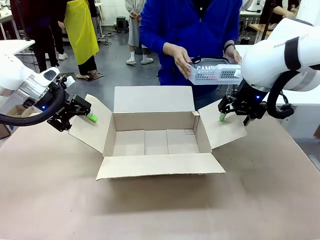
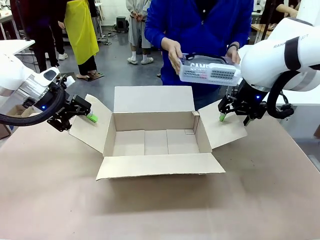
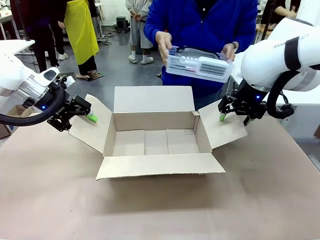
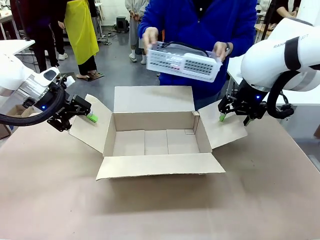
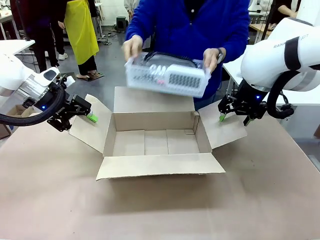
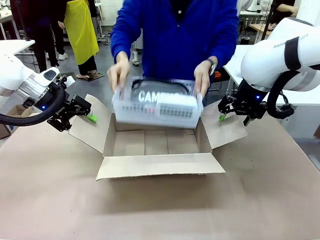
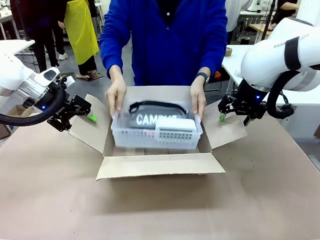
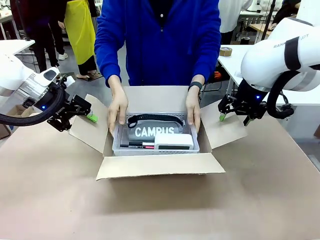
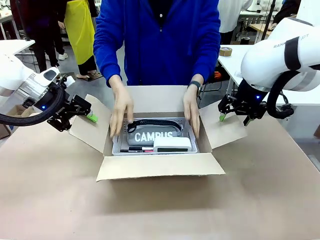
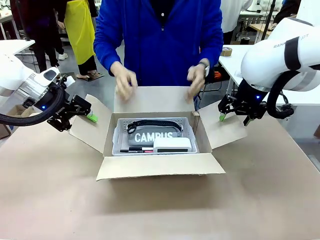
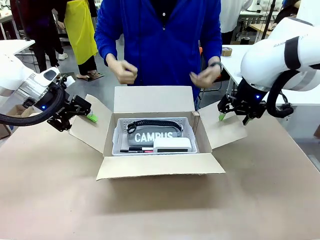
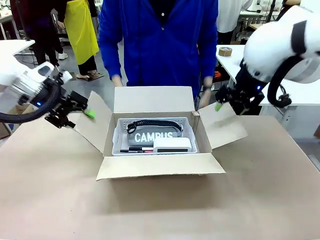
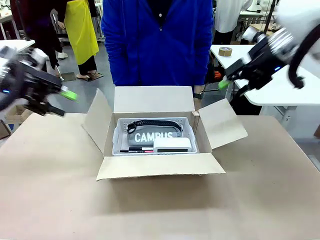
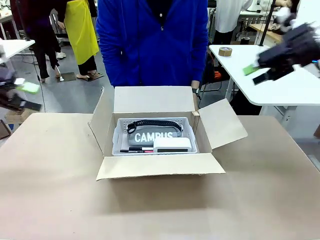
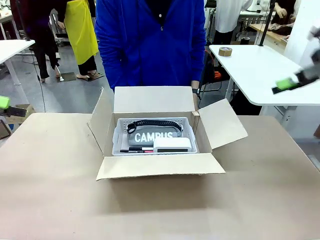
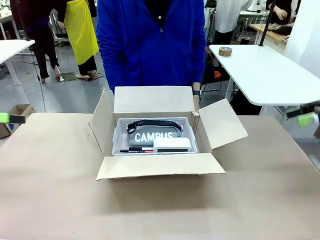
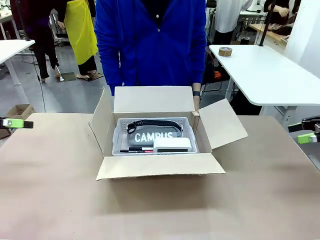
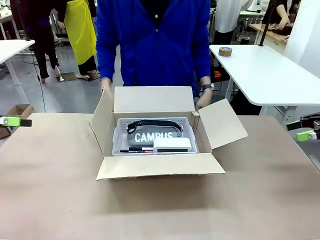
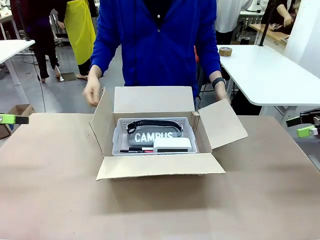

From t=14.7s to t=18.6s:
Task: Pack the gift set into the box.
Robot: Lift both hands away from the flaps of the Package Box.
Person: The human picks up the organizing basket and places the organizing basket into the package box on the robot table.

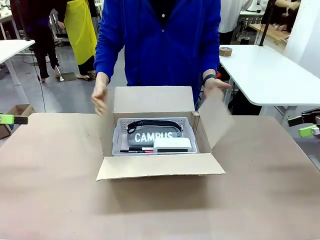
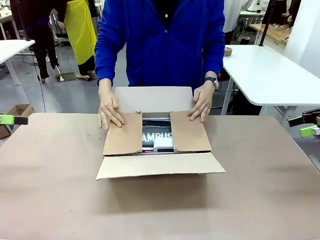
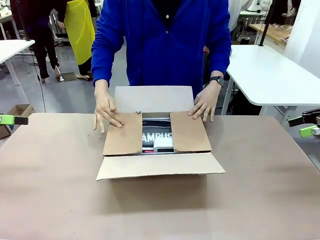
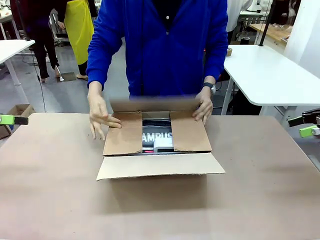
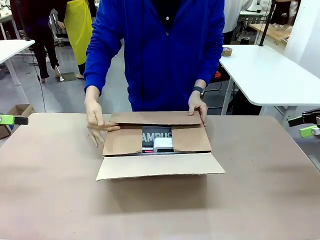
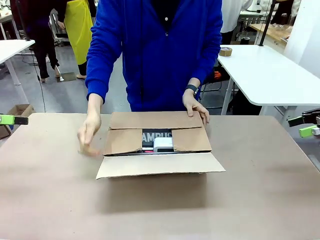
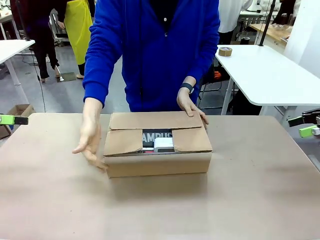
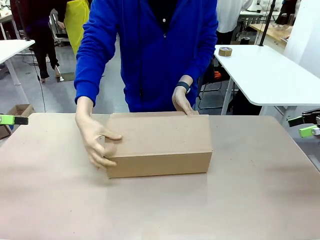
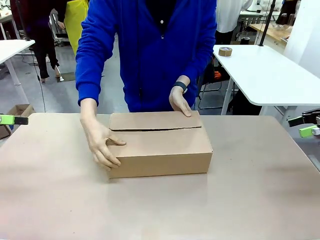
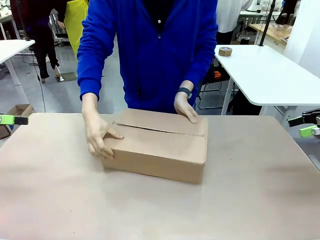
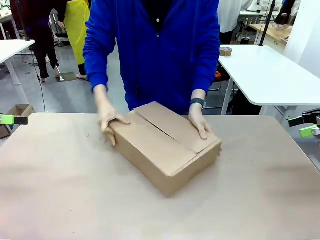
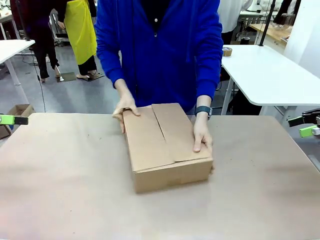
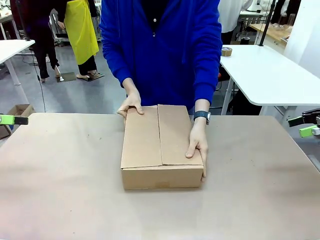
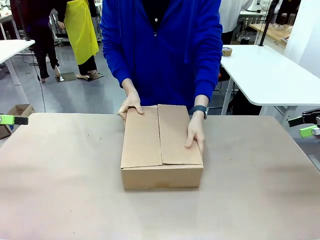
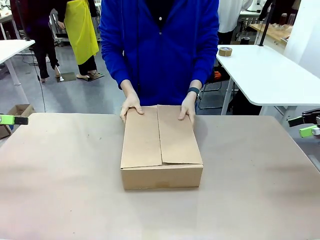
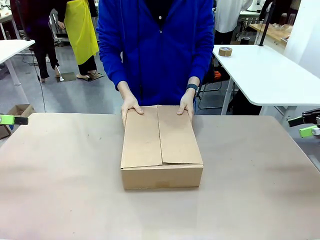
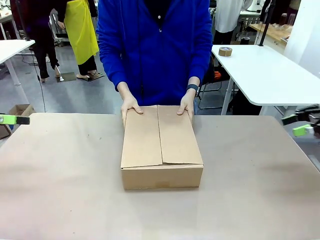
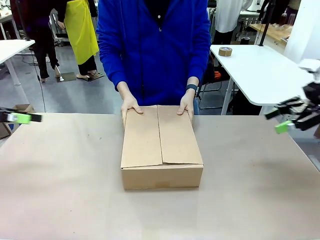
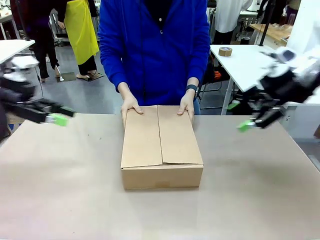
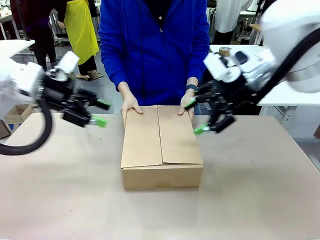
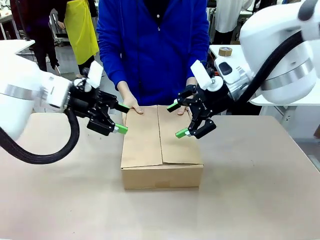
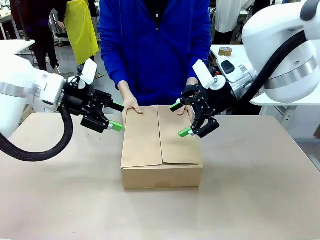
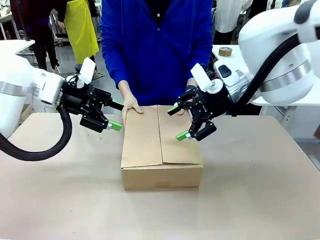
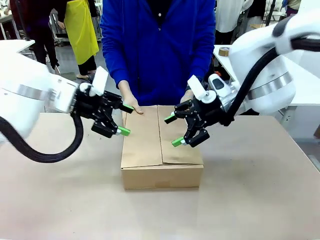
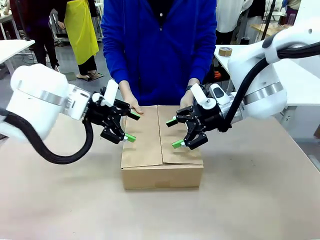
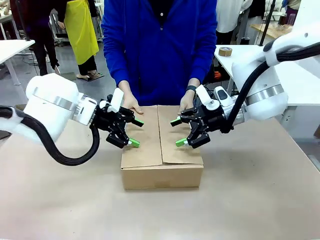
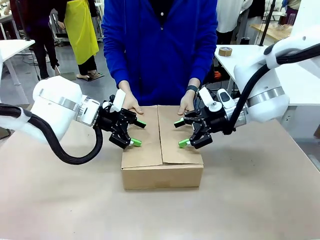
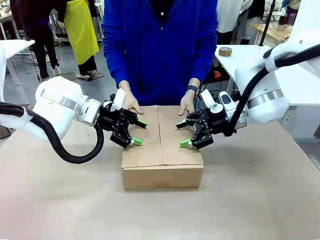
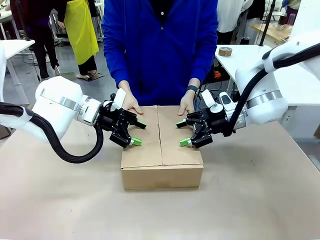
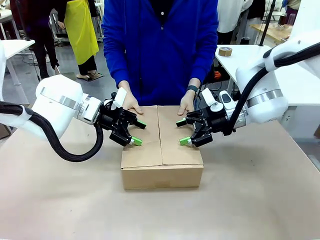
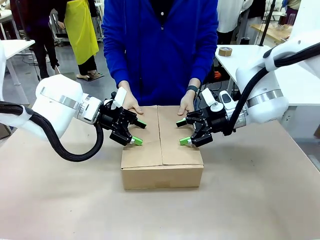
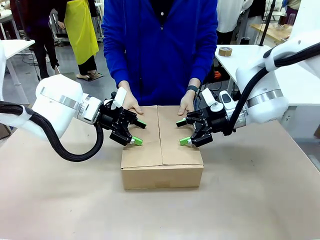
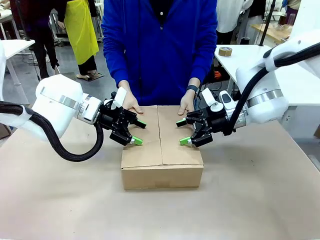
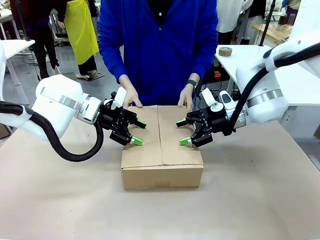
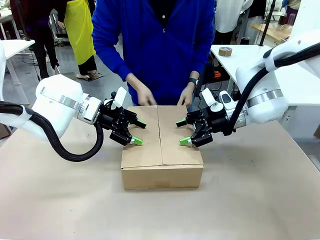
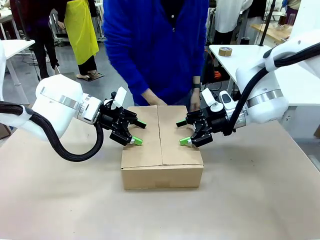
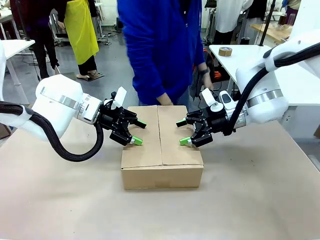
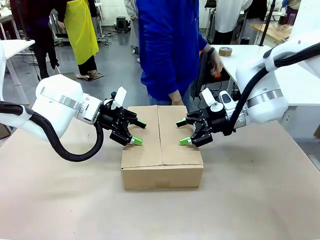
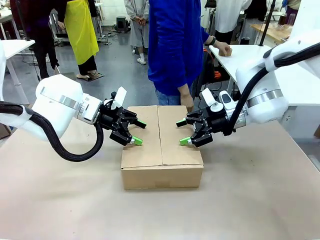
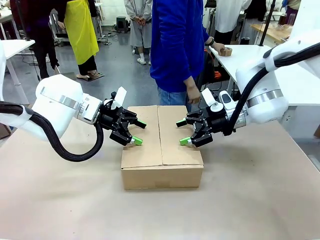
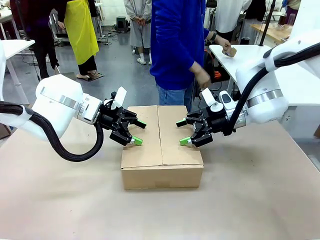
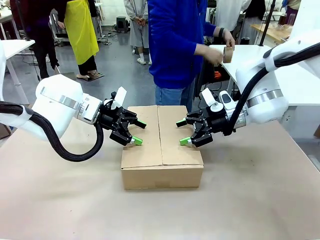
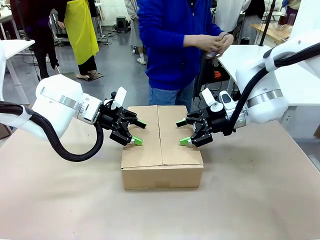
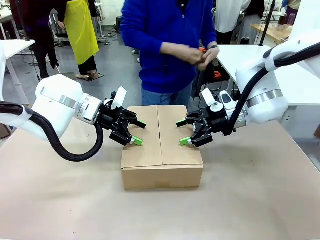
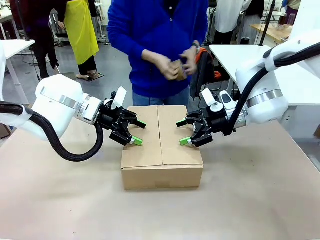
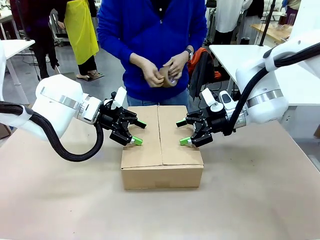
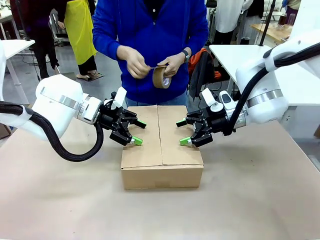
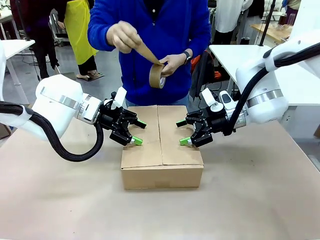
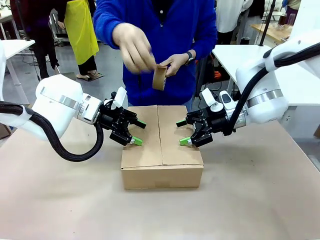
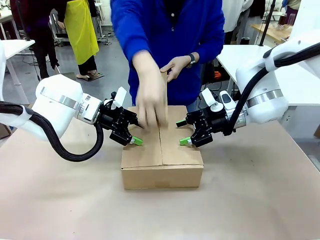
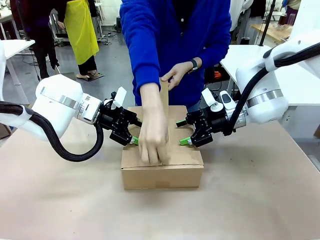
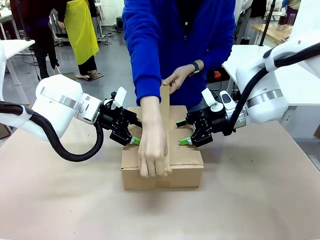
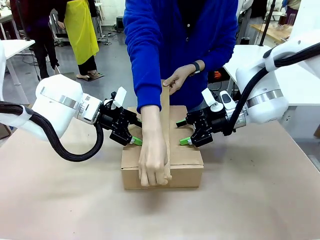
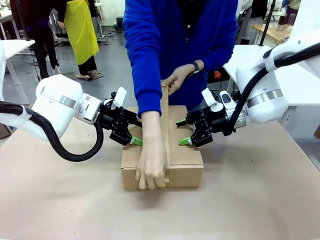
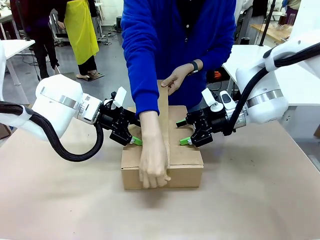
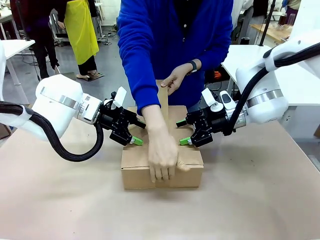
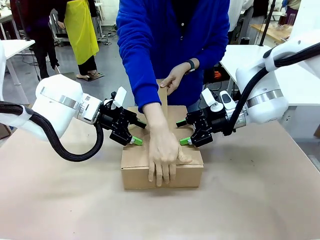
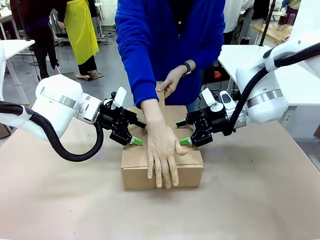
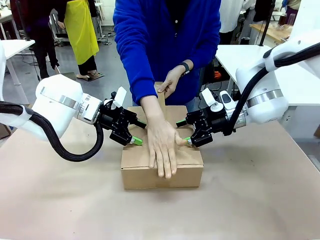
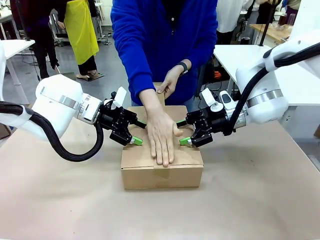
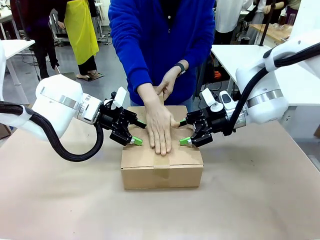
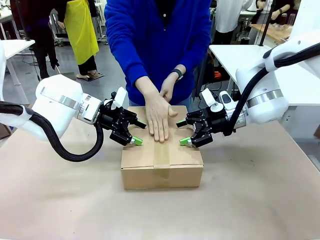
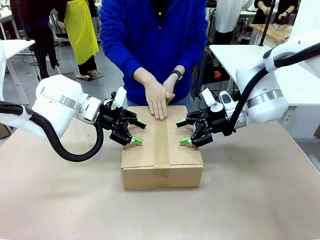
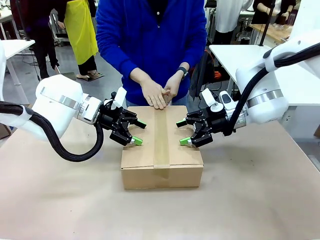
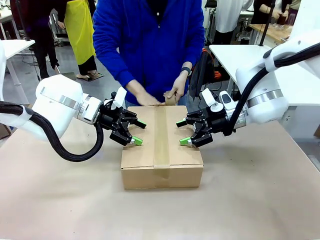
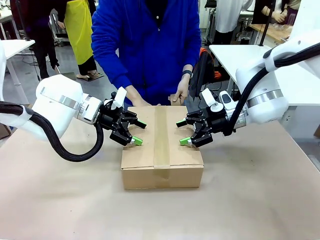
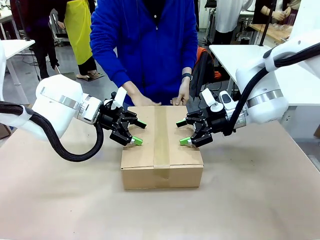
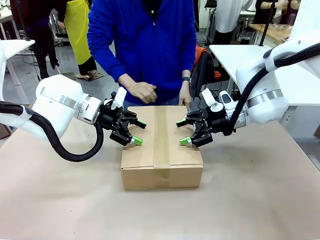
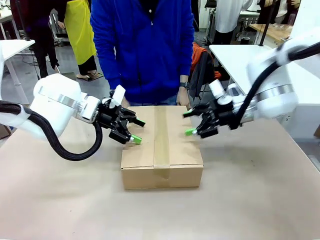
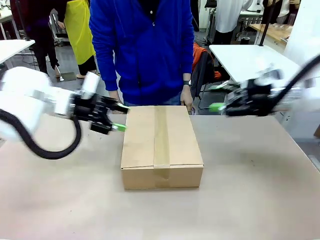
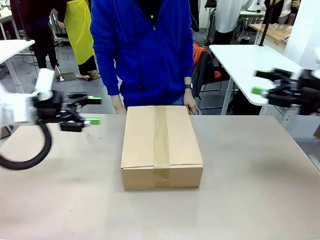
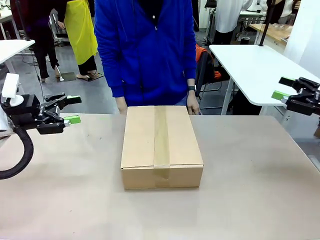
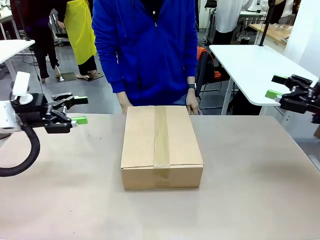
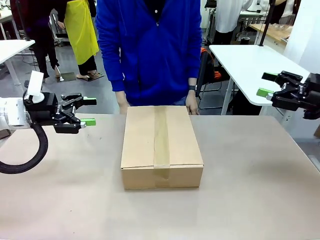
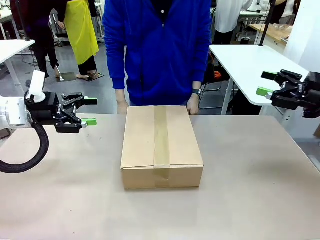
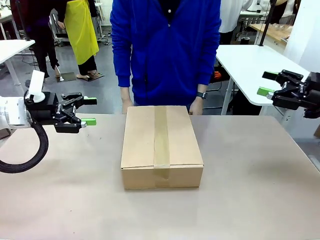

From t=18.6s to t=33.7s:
Robot: Press and hold the closed box until the human finishes sealing it.
Person: The human closes the box and rotates the box by 90 degrees. The human picks up the paper tape from the human table and packs the box.
